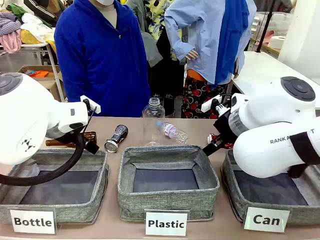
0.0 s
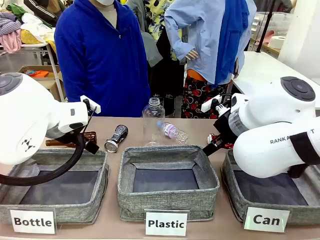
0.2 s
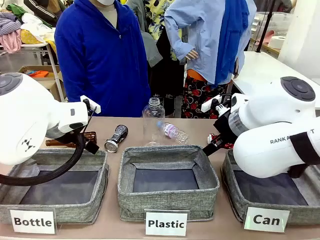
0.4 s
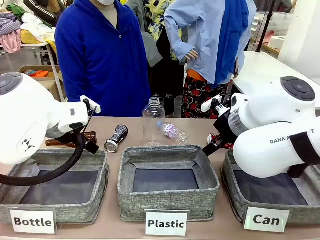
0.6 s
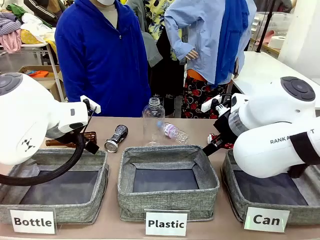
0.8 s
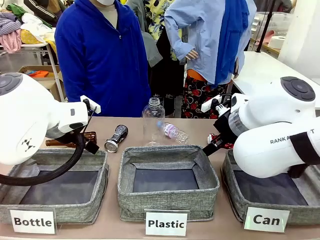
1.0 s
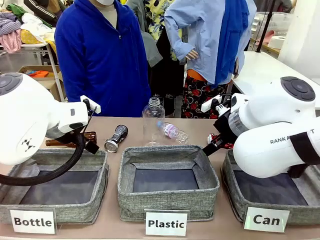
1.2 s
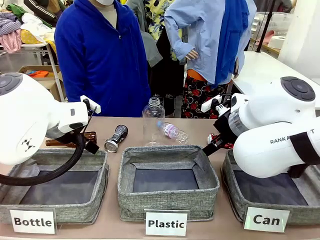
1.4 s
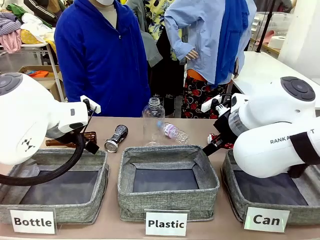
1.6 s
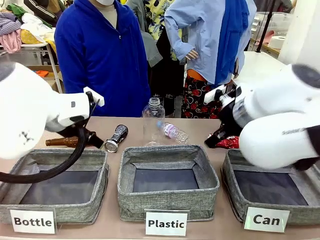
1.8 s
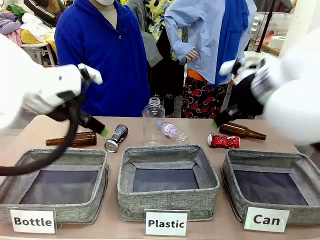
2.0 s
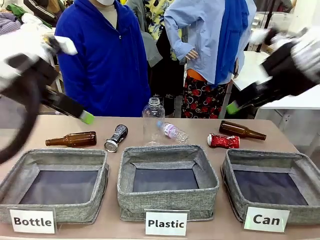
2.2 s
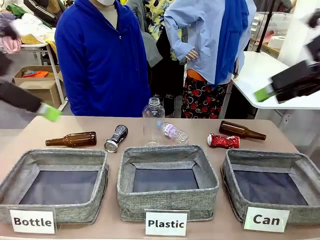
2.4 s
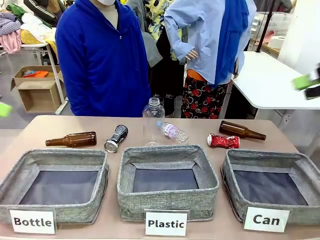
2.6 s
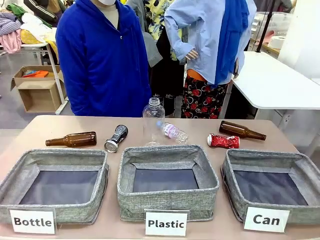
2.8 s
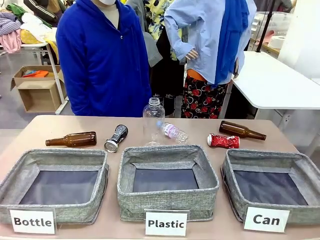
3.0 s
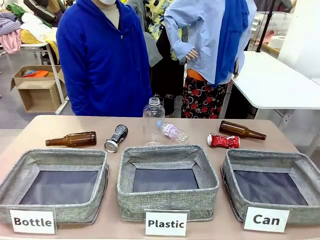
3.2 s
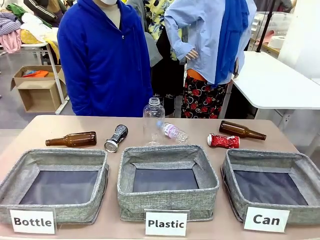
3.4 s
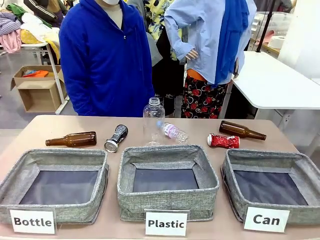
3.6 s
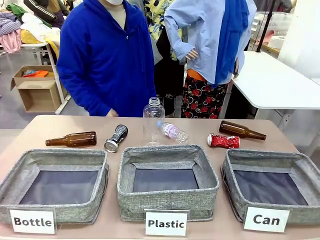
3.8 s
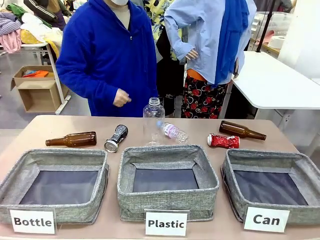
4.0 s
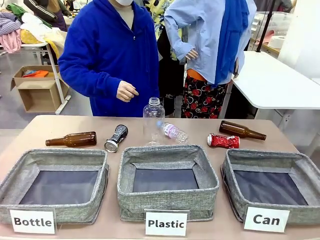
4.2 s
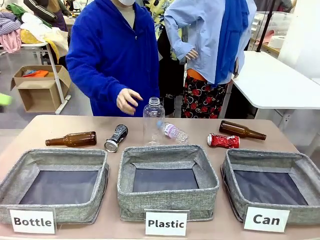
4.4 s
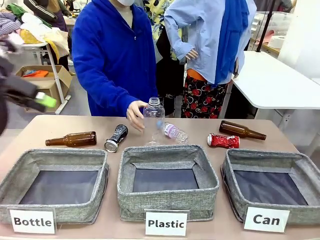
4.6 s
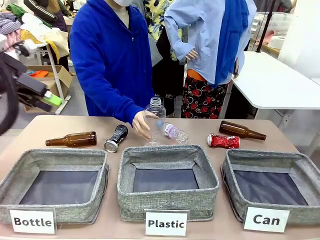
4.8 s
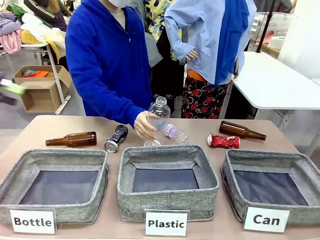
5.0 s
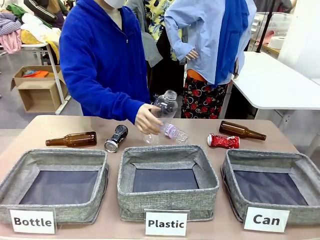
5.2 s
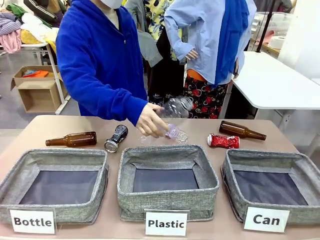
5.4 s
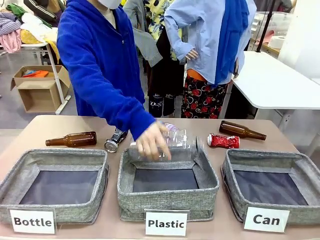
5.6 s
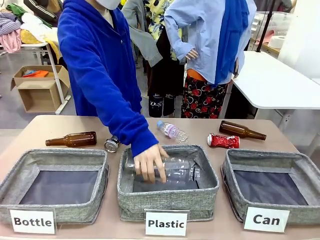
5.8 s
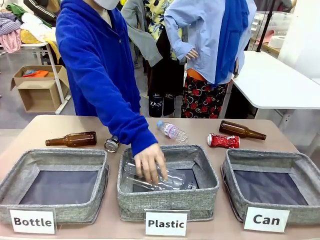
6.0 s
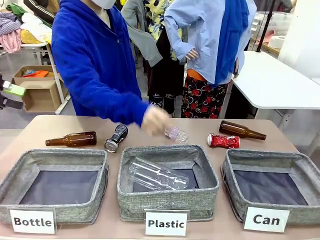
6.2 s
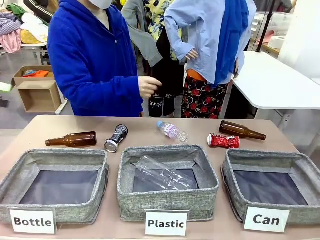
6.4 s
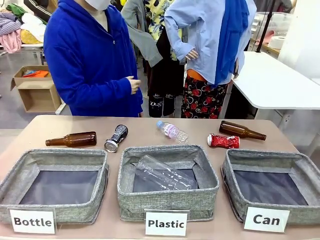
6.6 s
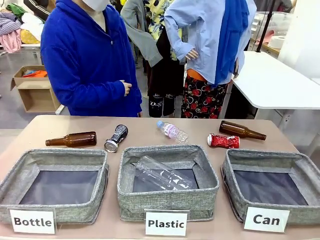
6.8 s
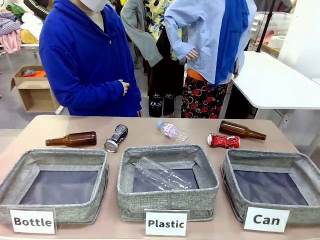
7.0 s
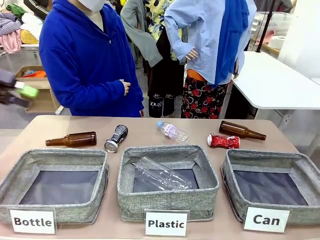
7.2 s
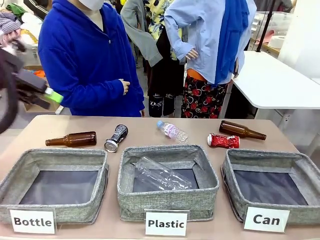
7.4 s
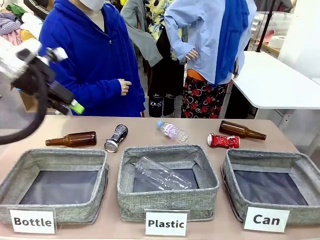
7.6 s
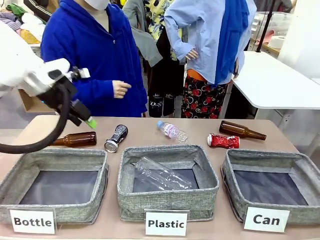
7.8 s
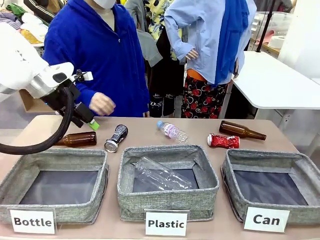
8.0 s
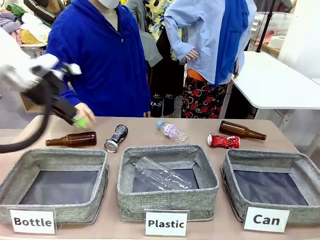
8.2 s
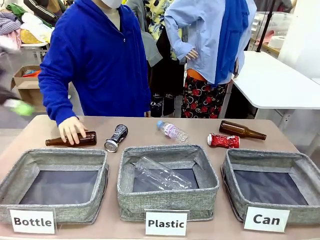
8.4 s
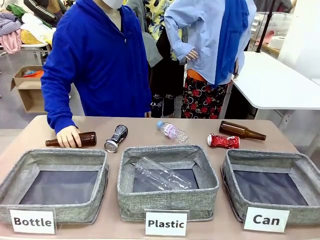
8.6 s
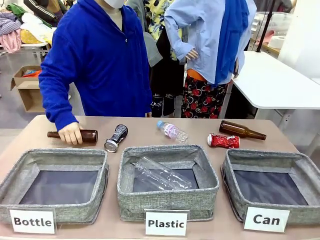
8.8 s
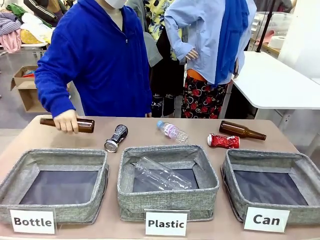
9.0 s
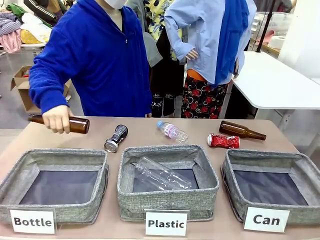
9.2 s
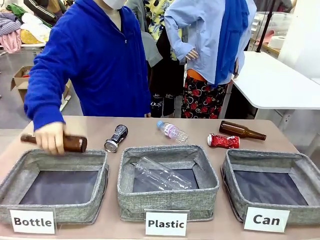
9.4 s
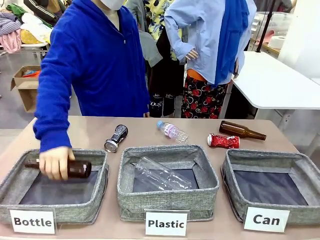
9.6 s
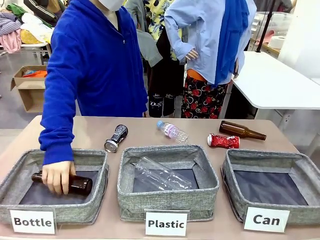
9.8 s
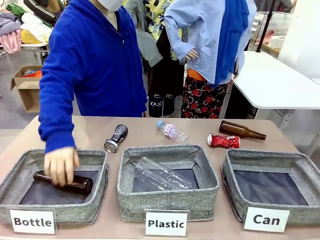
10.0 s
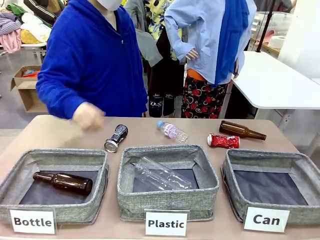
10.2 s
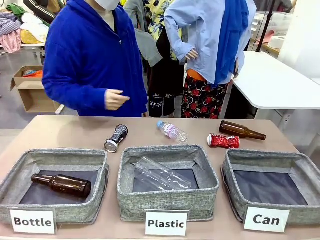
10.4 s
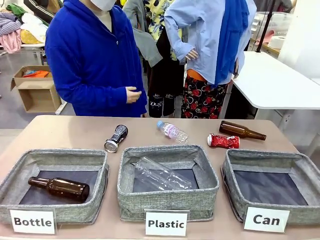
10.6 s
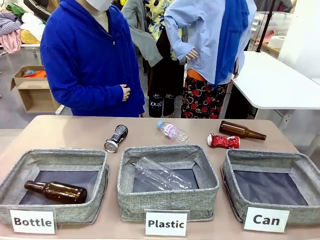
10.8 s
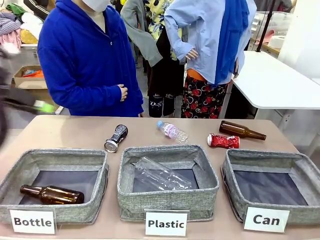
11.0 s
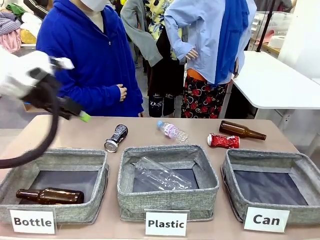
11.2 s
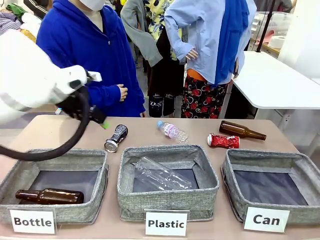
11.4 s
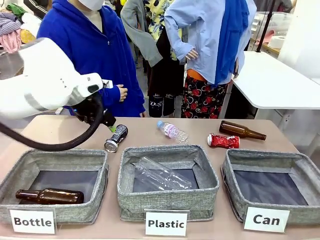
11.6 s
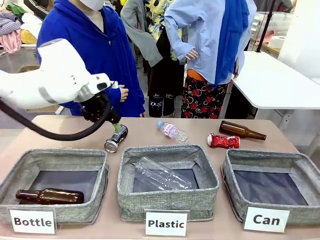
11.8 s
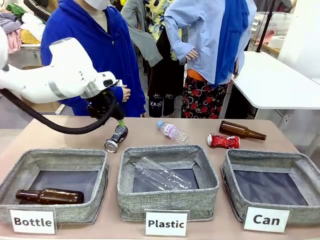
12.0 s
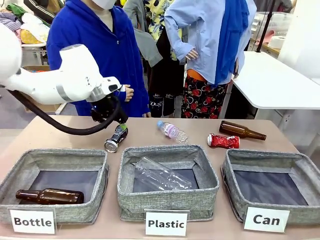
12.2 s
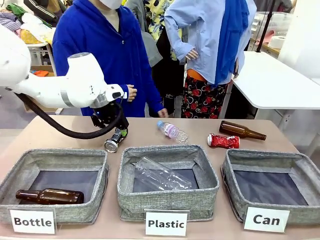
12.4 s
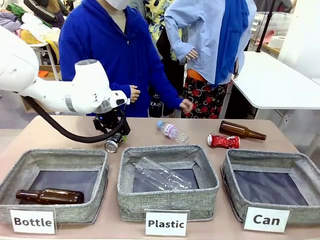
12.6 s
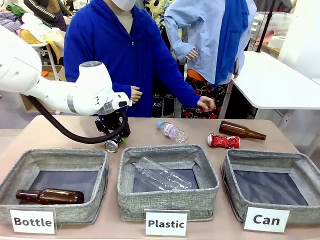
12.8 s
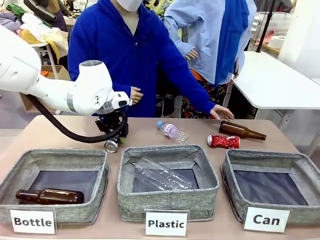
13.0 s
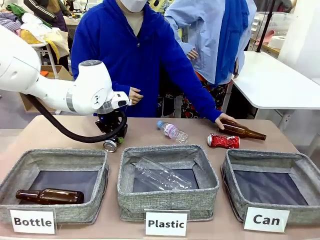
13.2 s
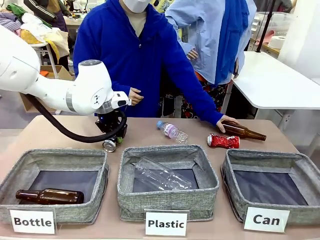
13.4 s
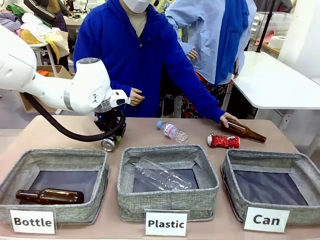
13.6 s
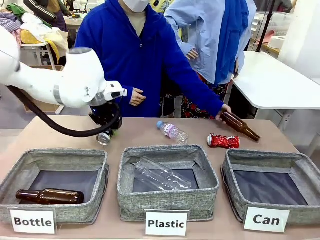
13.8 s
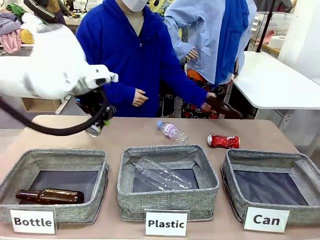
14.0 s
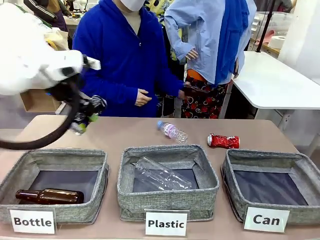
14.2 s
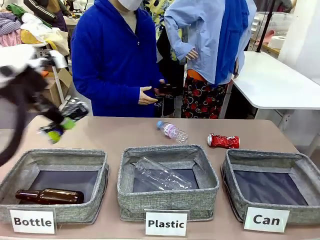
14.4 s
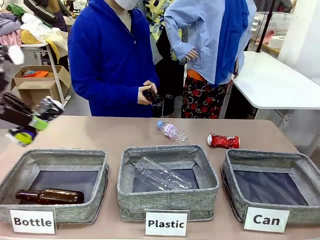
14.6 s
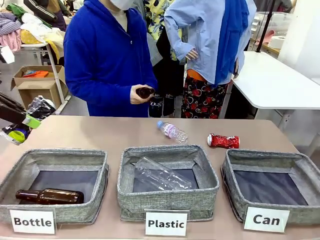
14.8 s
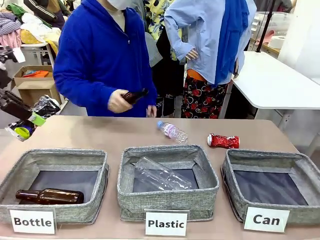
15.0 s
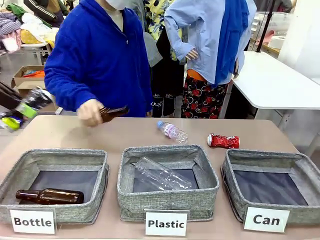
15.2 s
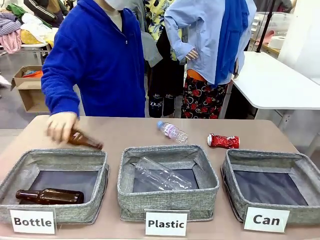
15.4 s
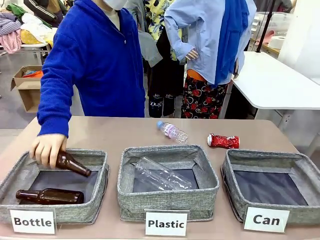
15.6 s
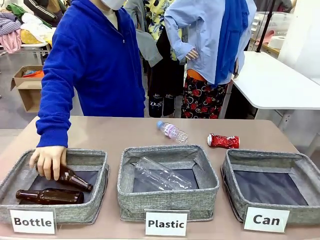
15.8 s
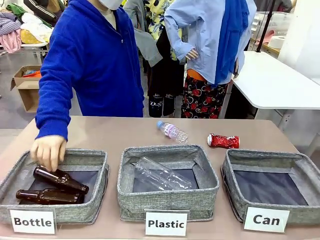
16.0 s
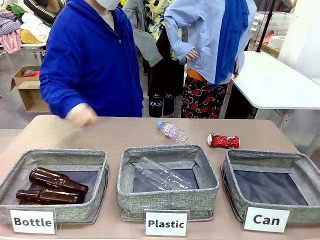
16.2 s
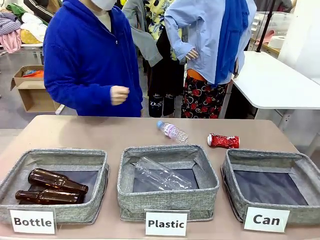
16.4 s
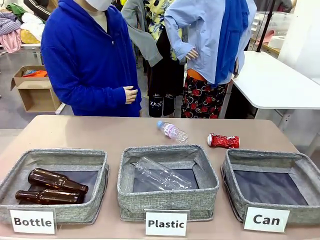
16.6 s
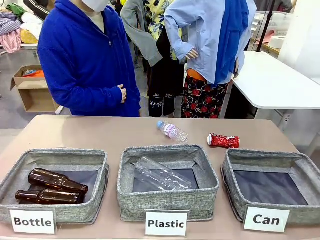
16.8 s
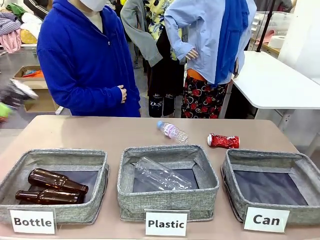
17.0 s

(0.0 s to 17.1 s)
Task: Sort the can waste into the basket.
Robot: Pick up the can waste from the table and place it in the right Fabric basket.
